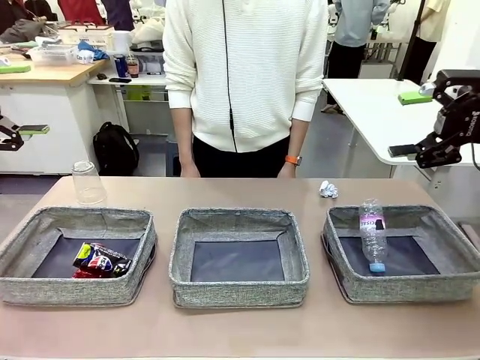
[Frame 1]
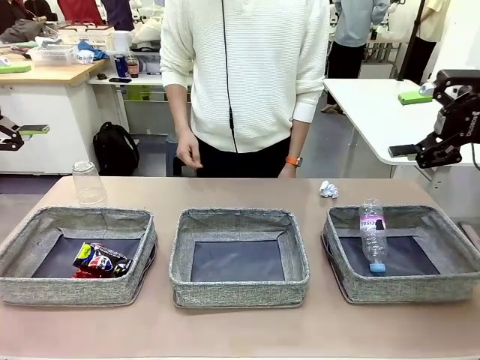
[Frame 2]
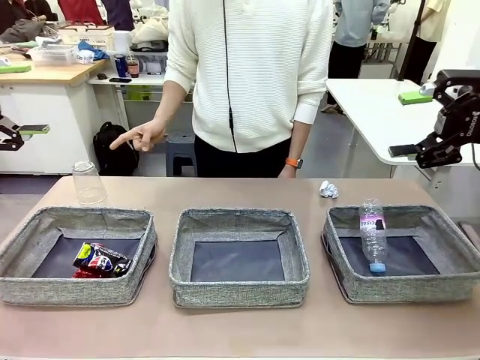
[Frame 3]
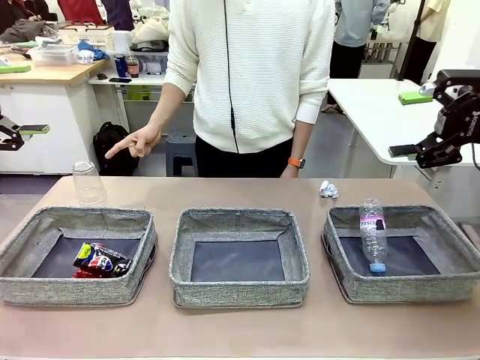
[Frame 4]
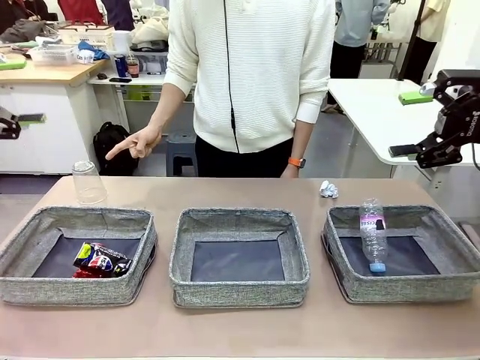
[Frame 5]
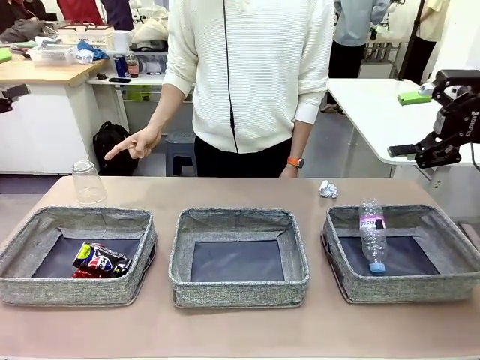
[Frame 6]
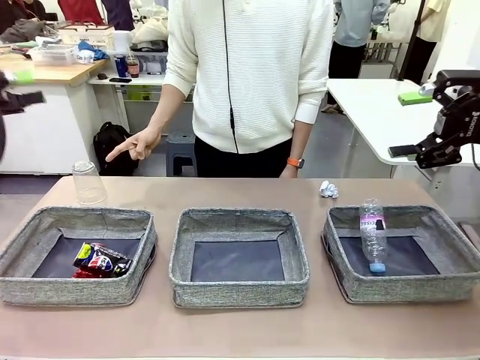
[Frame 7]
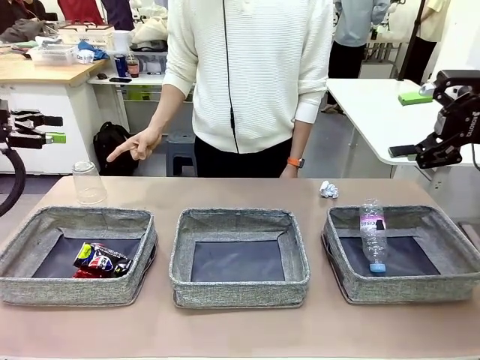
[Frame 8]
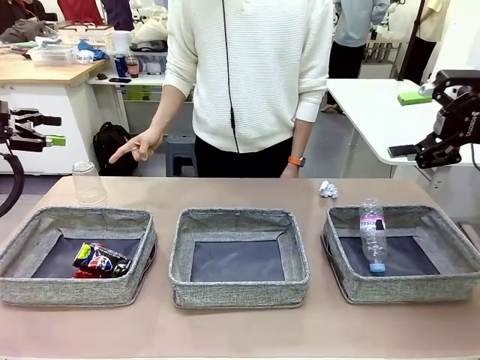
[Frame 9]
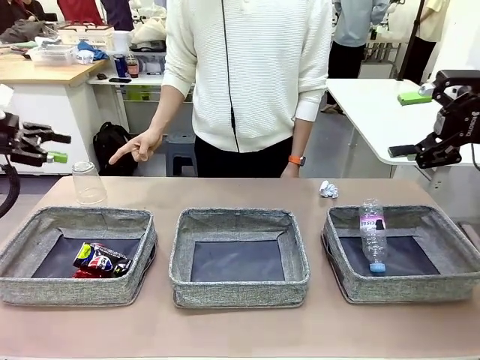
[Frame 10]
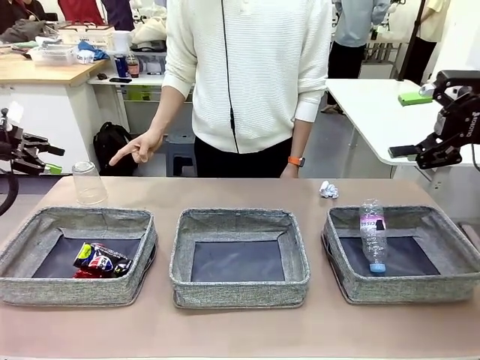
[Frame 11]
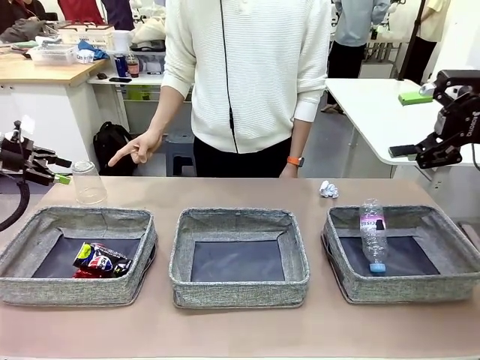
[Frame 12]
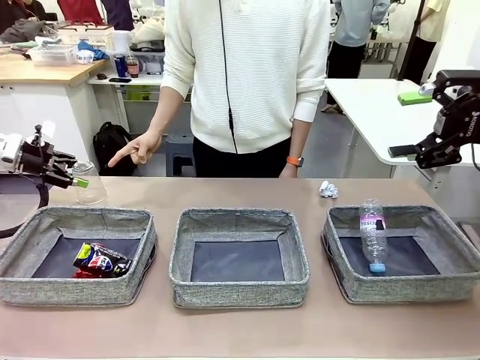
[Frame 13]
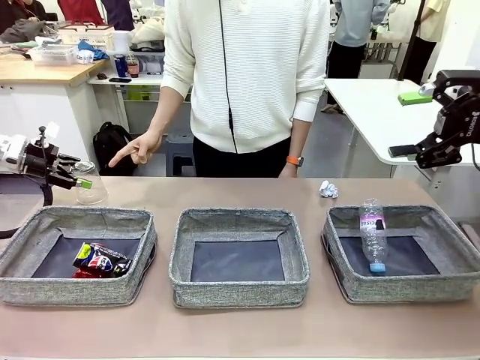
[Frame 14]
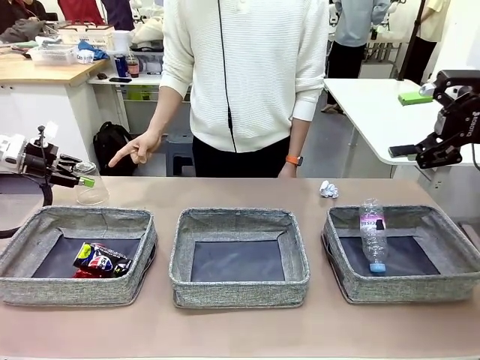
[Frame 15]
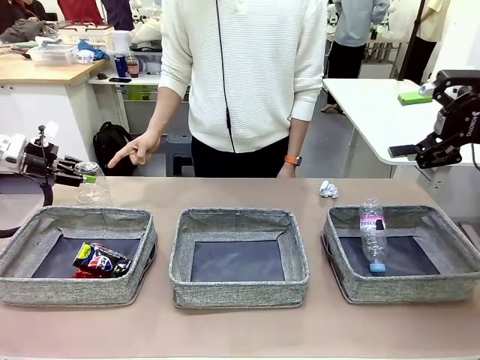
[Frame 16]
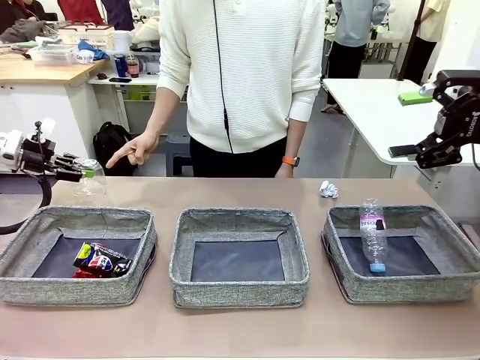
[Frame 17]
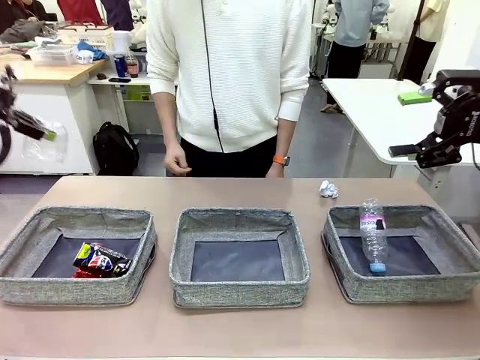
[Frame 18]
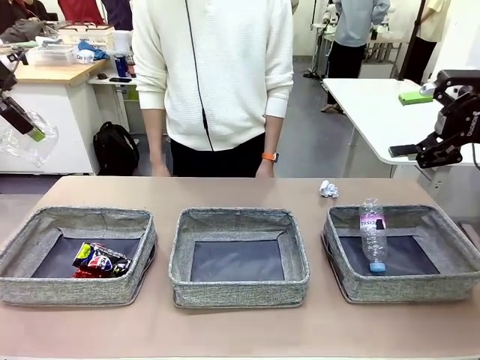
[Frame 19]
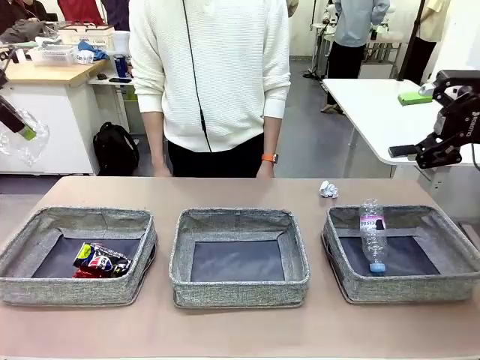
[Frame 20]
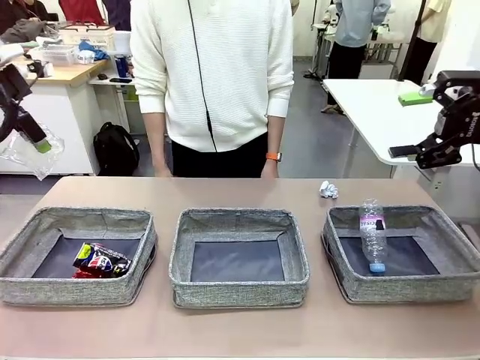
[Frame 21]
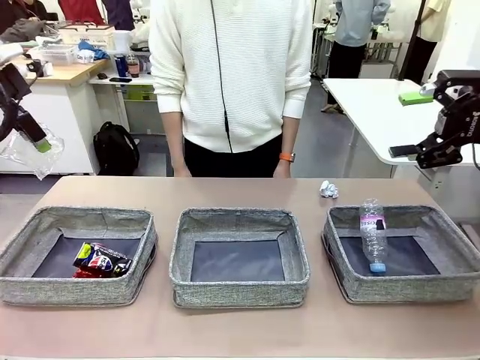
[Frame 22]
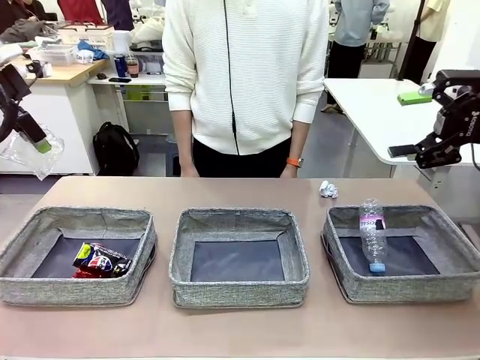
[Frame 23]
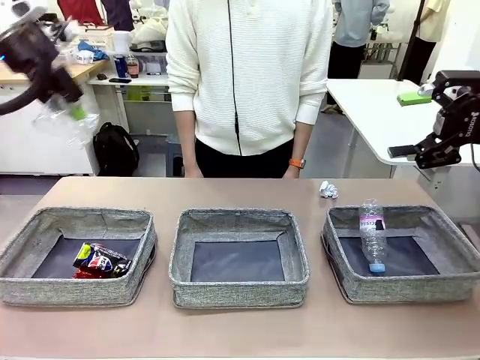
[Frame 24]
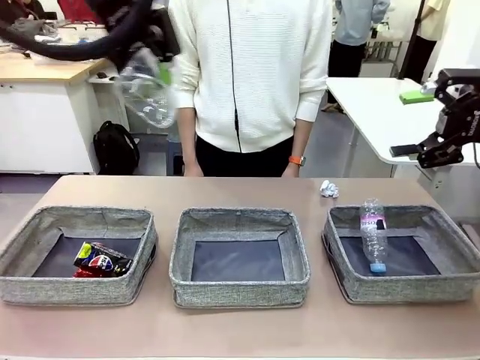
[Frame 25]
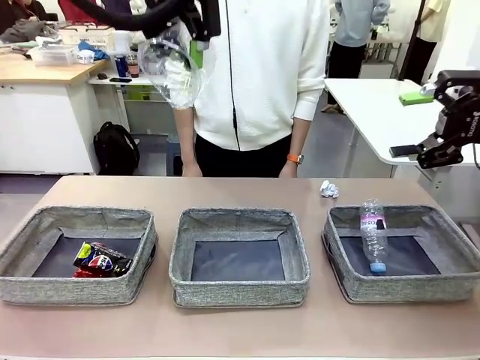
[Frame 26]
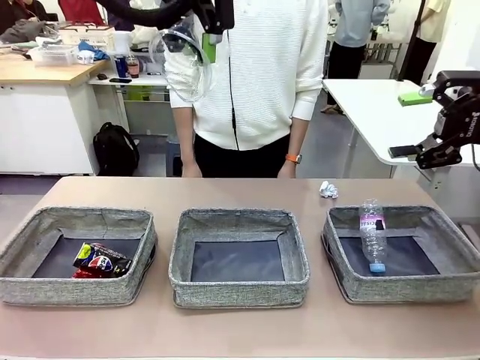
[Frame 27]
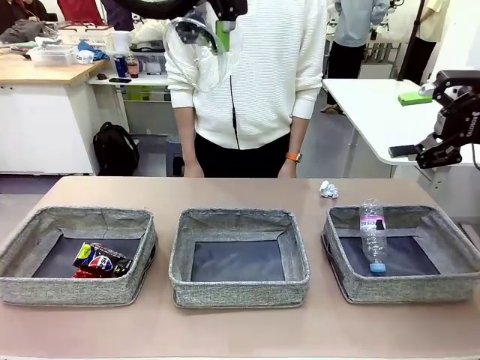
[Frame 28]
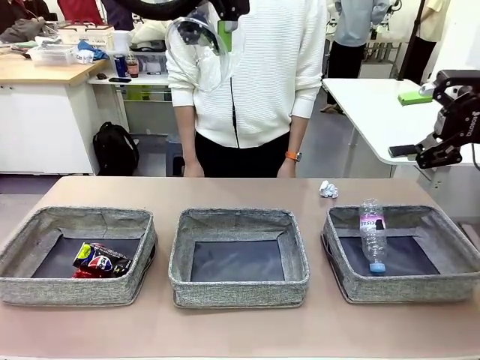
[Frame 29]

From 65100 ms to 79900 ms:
Task: Sort the waste into the appropriate baskets.
Robot: Pick up the waste item pointed out by the person.
Person: Points to one piece of trash on the table.

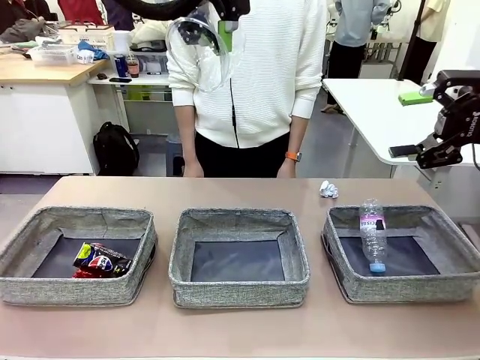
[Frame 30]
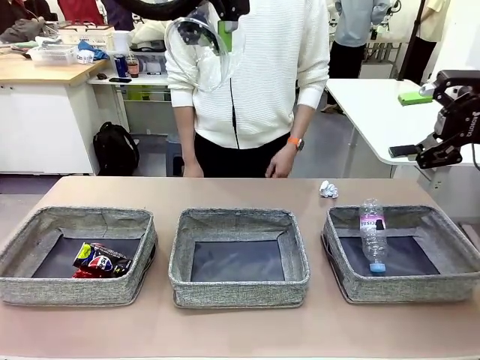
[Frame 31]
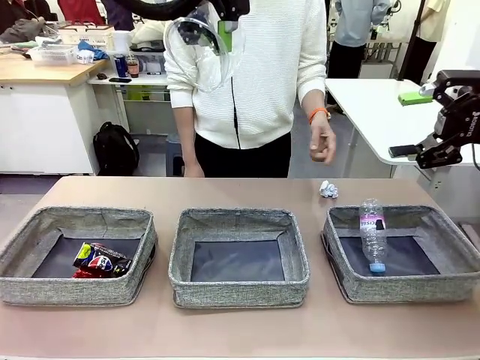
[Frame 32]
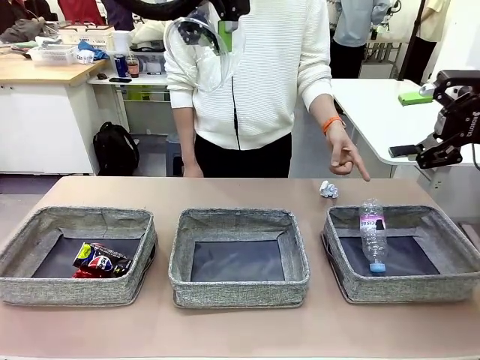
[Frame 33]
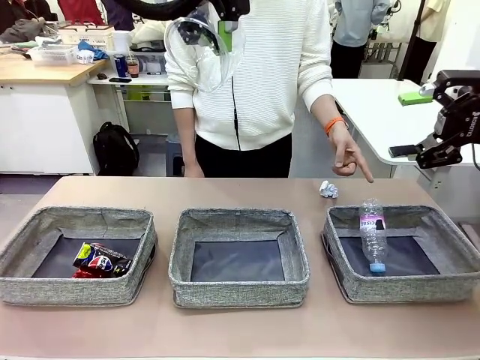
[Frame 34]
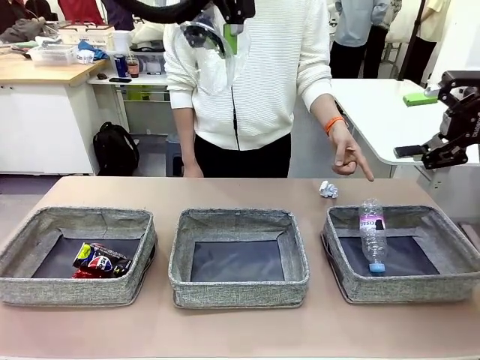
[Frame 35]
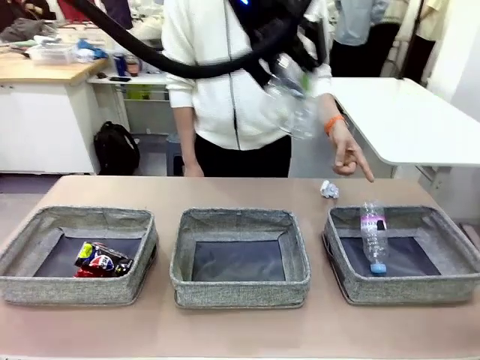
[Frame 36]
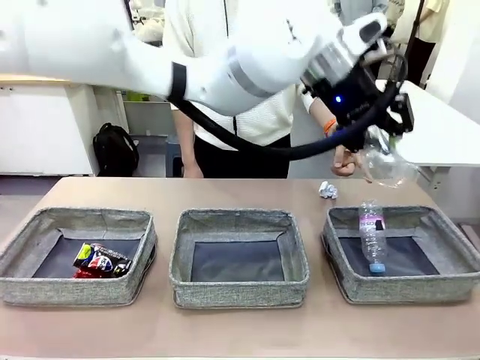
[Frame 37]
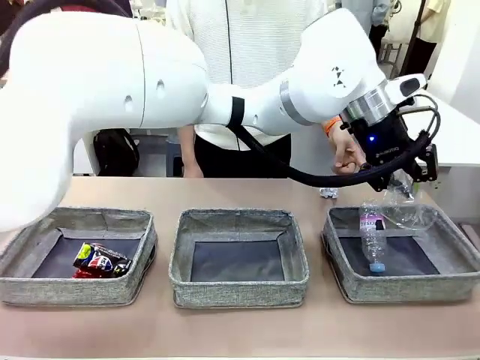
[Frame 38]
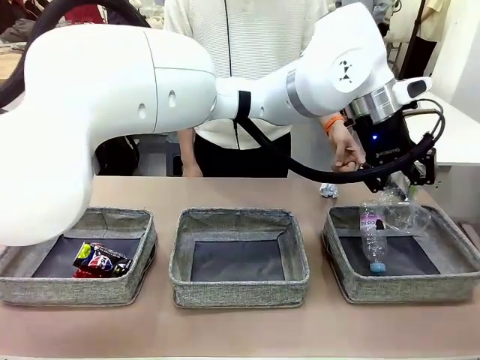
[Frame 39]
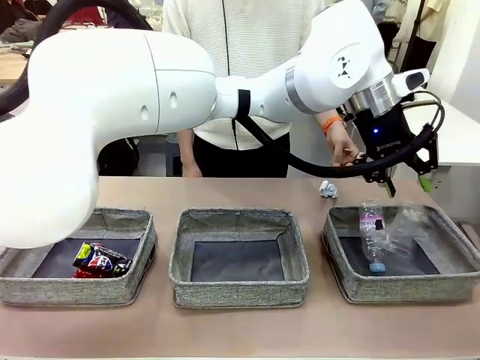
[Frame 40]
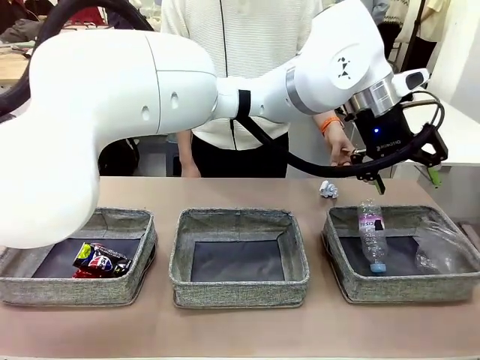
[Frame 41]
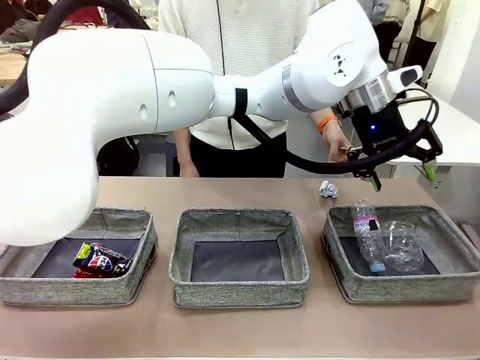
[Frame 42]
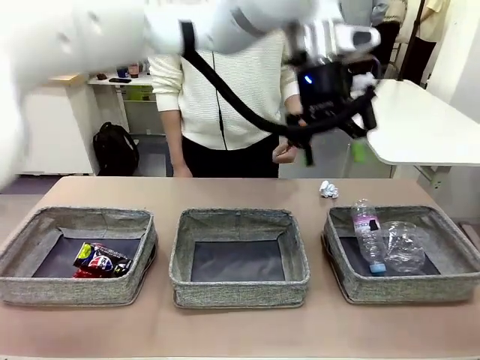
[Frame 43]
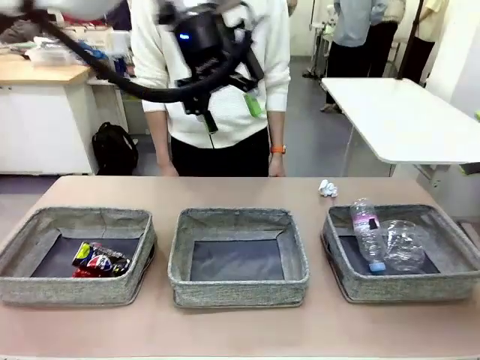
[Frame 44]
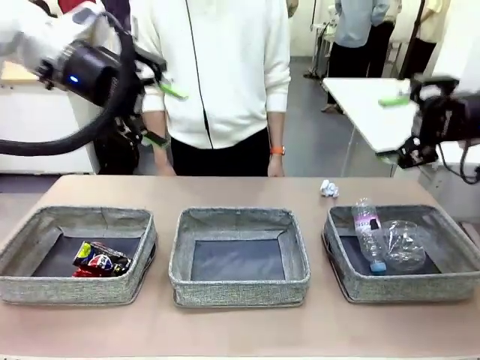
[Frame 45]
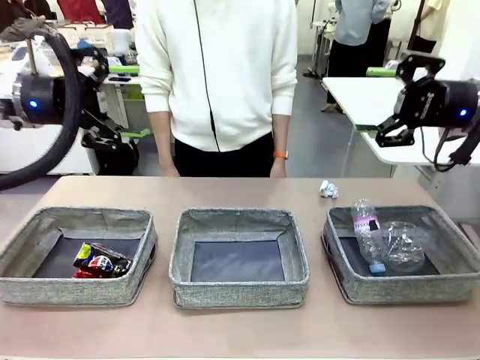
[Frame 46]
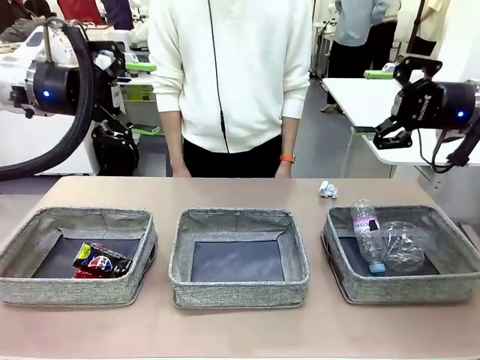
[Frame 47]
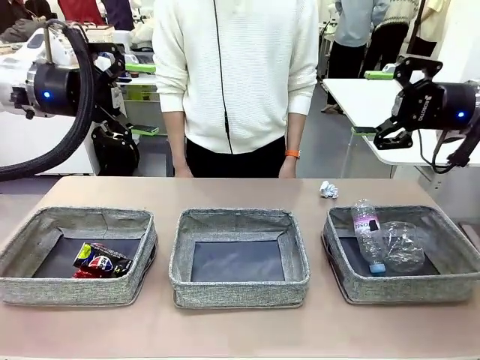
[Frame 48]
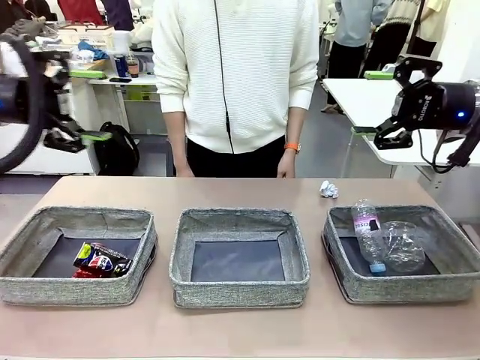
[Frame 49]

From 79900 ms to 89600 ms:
Robot: Place the picked waste into the Fabric basket indicated by the person.
Person: Instructs the robot to place the picked-up trash into the appropriate organizing basket.

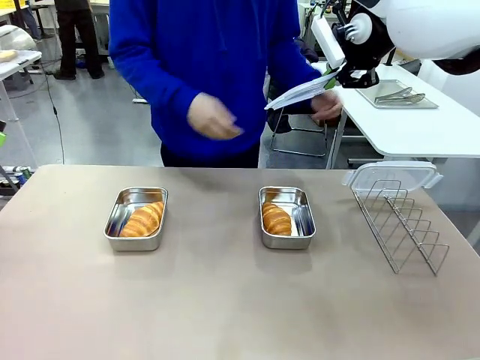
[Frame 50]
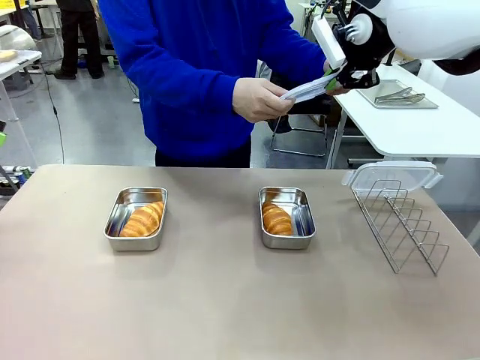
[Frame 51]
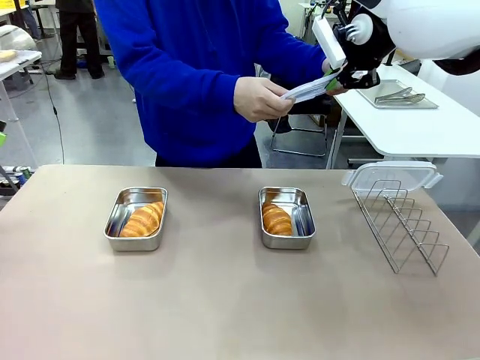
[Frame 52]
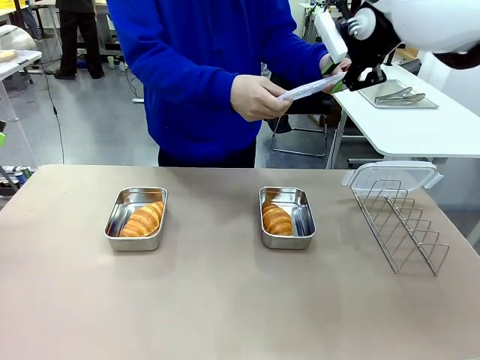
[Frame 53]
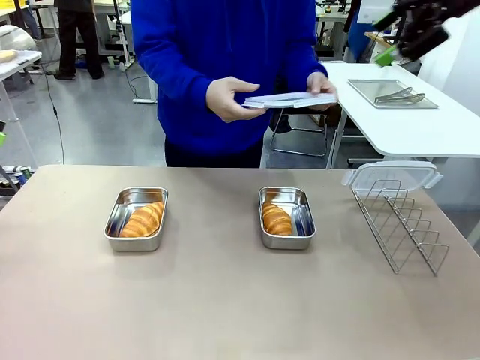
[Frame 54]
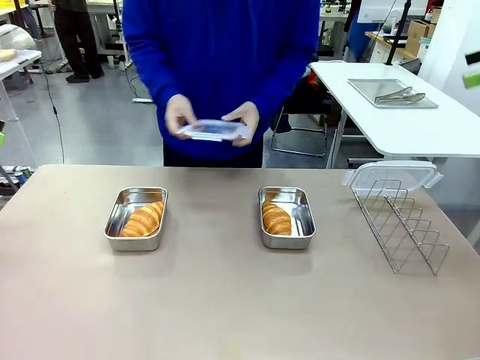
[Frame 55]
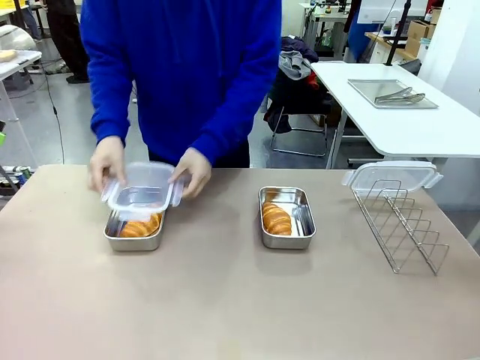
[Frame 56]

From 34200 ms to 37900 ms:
Task: Place the bread in airtight containers.
Robot: Release when the human grabs the Airtight Container lid.
